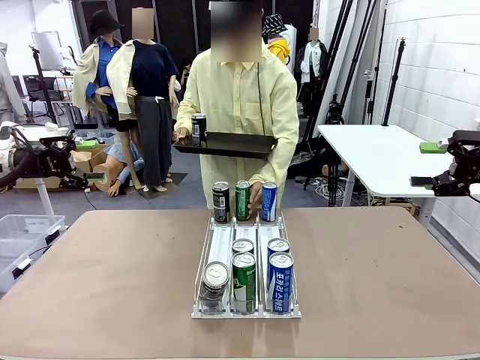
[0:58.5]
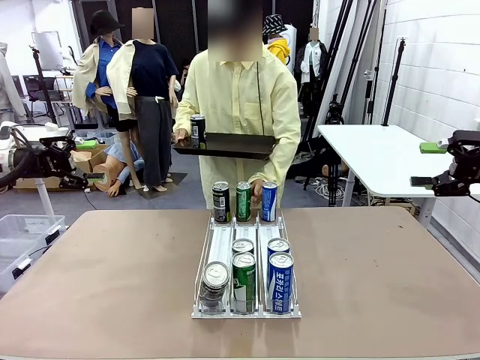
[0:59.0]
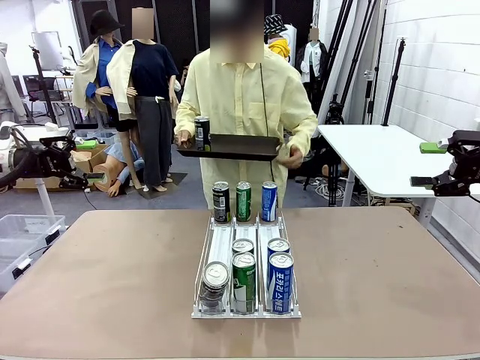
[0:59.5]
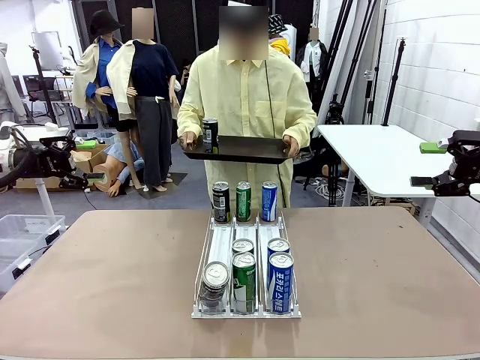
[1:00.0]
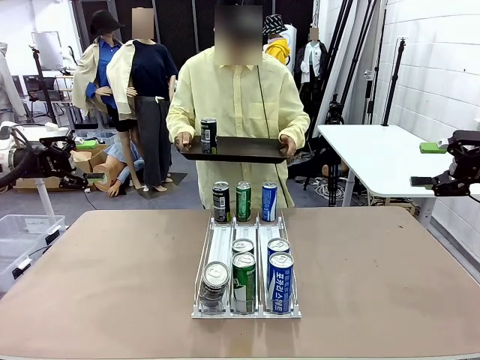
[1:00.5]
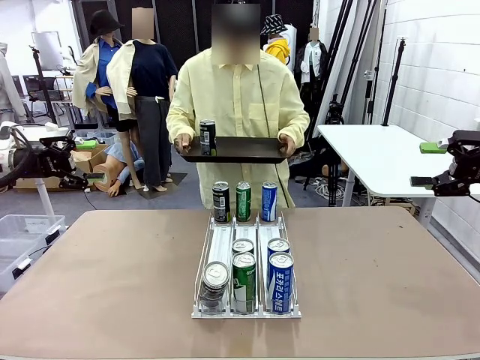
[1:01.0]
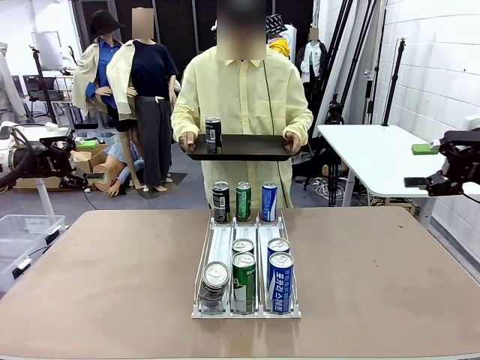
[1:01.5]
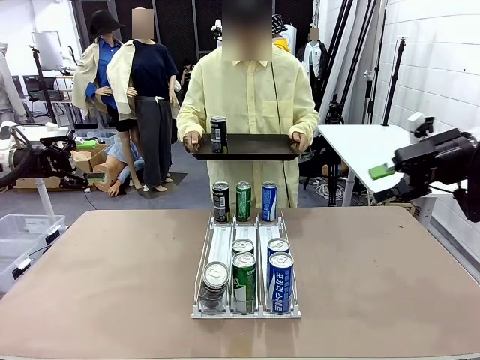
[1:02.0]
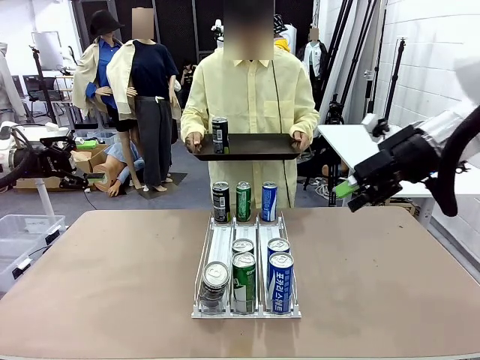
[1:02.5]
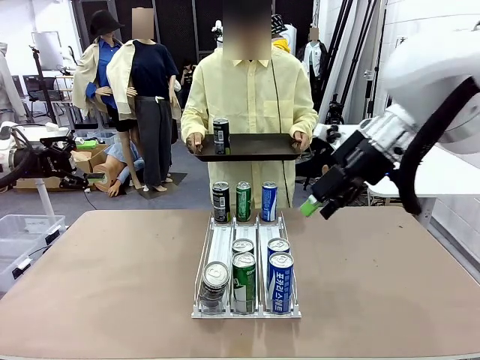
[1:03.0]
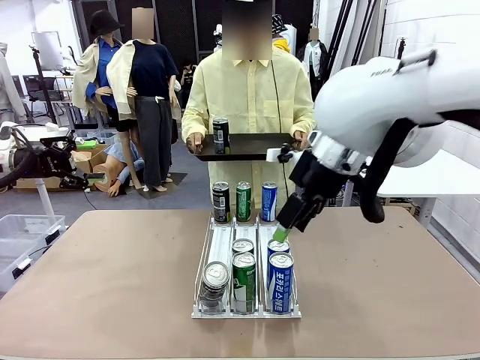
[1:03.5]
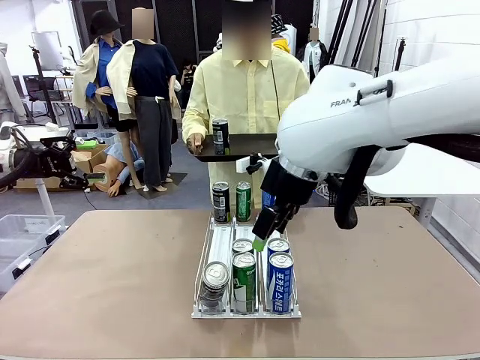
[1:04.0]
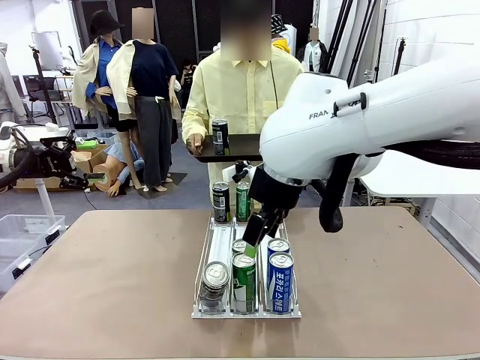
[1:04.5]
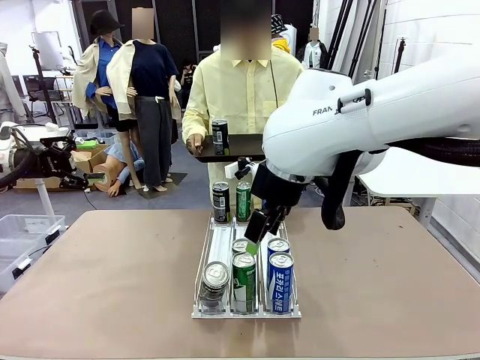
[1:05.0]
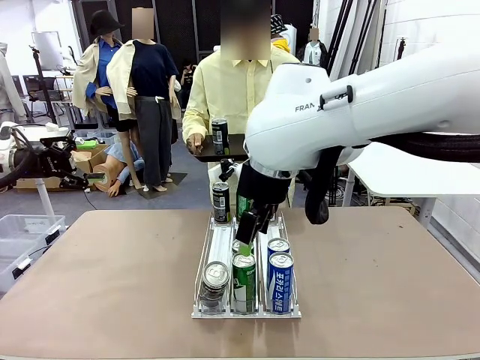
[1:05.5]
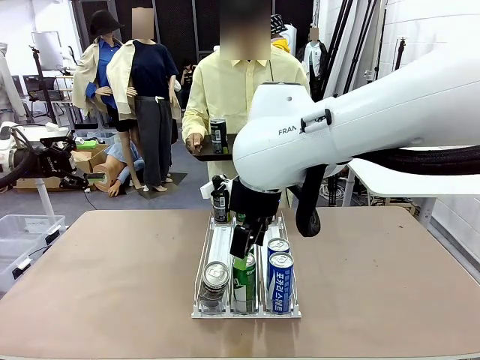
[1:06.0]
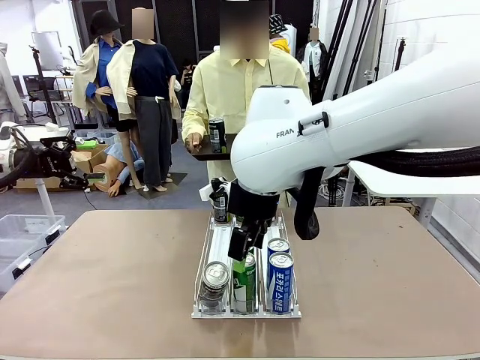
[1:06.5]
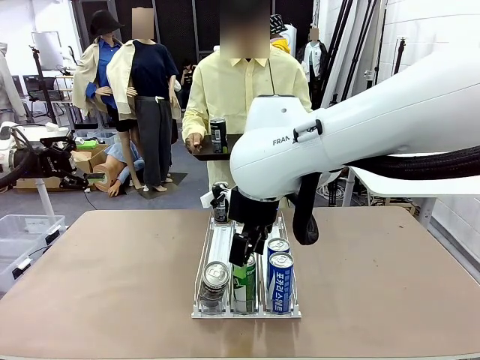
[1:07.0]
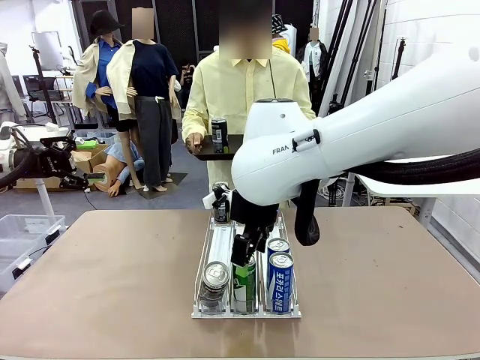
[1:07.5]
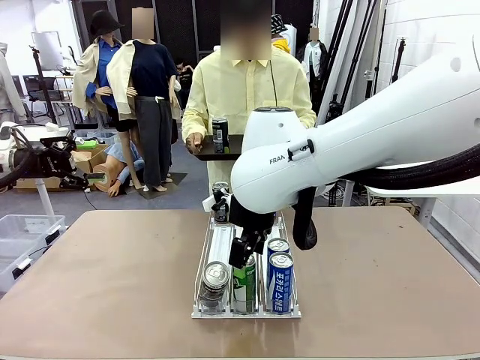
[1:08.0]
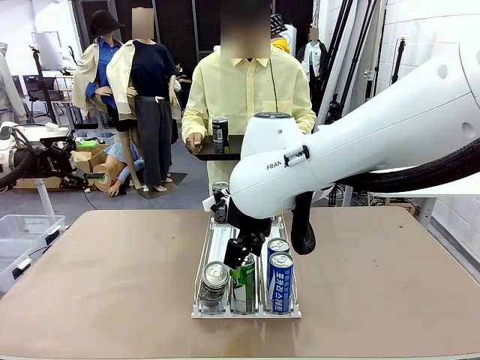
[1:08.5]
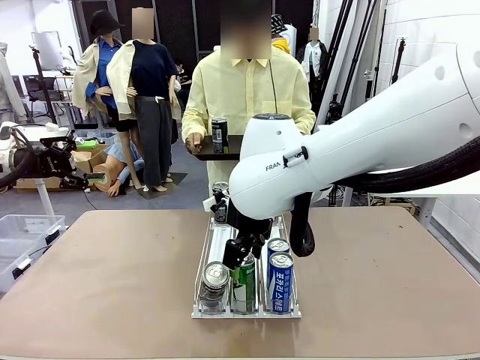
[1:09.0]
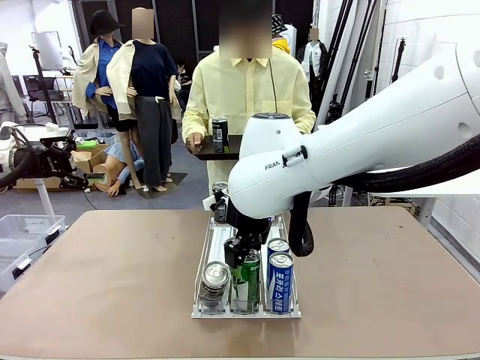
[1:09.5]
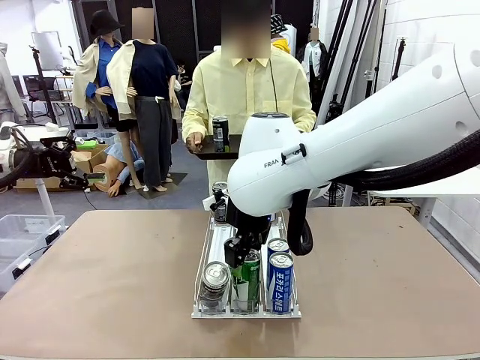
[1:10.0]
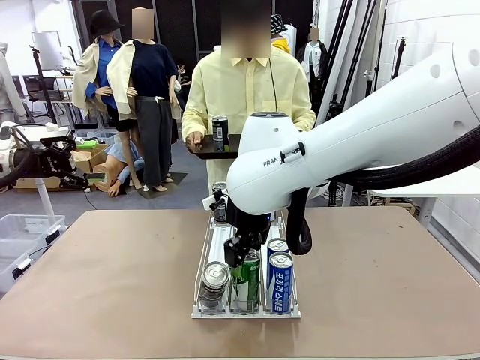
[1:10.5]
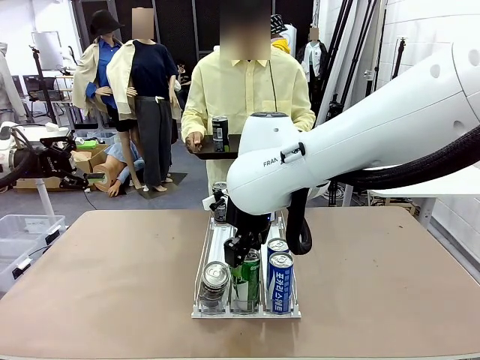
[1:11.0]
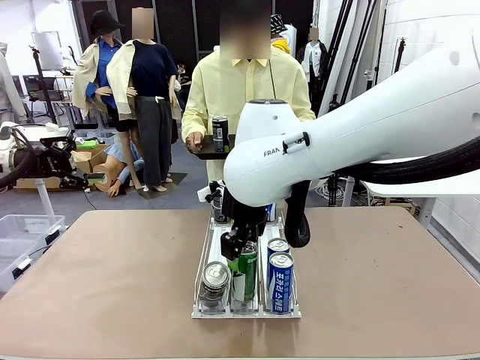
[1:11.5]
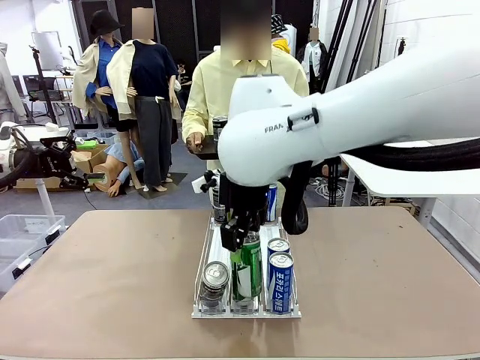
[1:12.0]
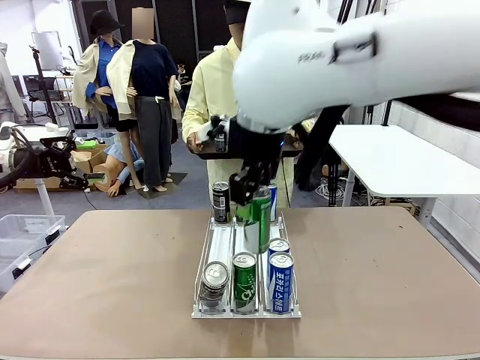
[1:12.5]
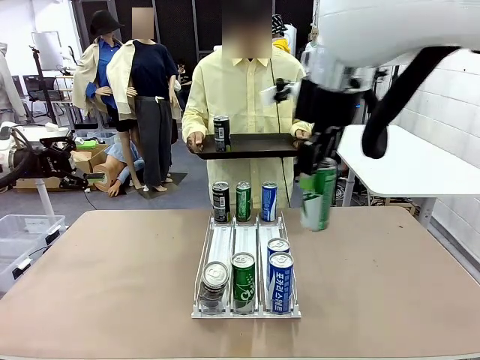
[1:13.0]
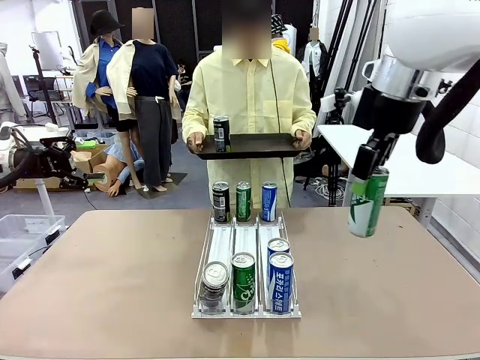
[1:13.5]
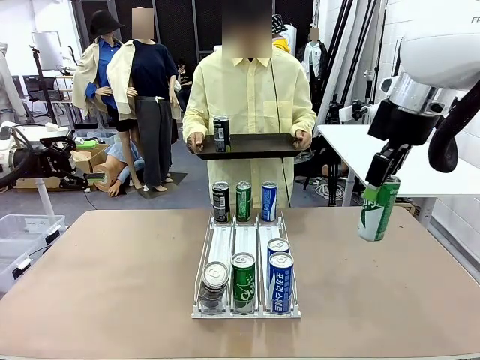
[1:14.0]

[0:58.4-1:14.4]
Task: Retrieve and hand over the desired beverage to the person.
Robot: Pick up another can of the same type that the person held from the Automatic Can Dispenser.
Person: Push the tray toward the robot again.

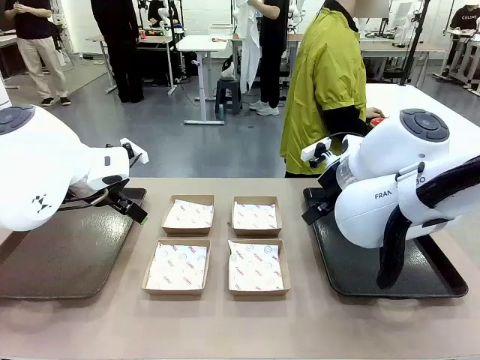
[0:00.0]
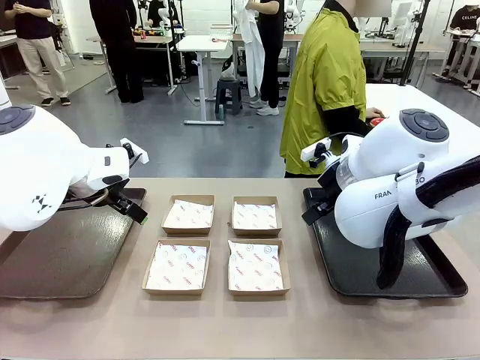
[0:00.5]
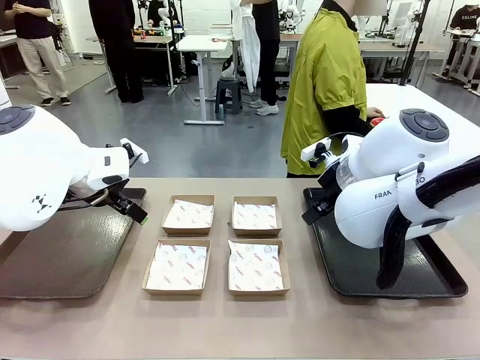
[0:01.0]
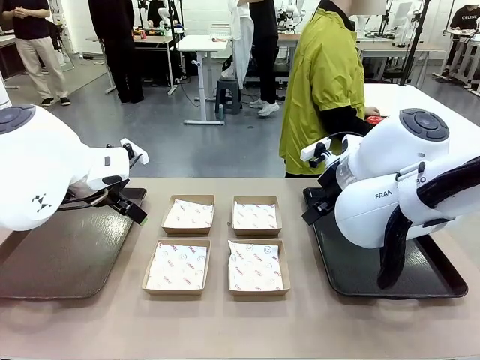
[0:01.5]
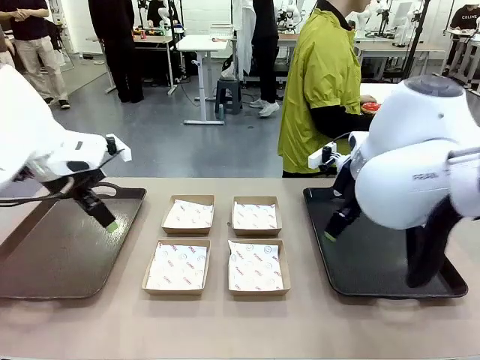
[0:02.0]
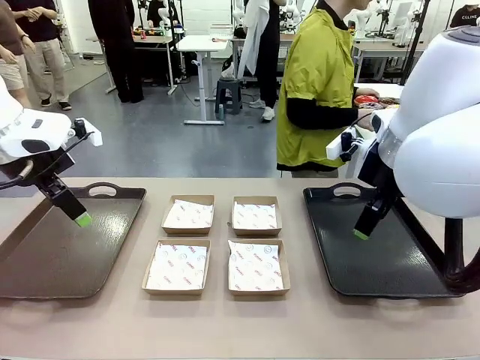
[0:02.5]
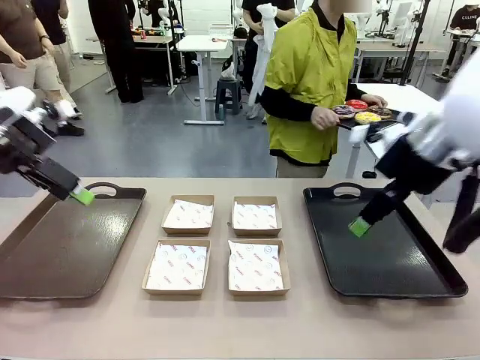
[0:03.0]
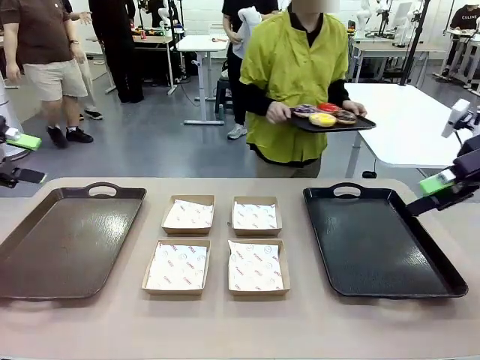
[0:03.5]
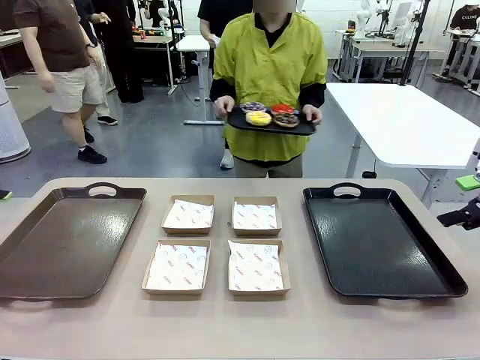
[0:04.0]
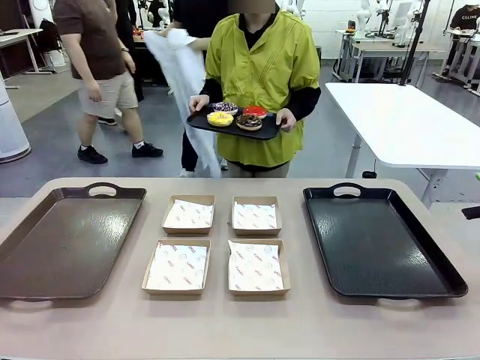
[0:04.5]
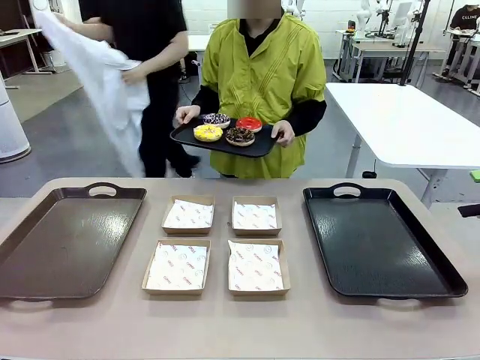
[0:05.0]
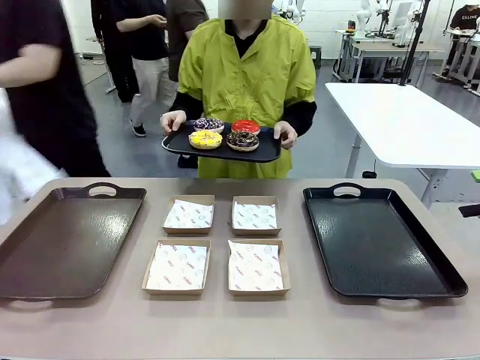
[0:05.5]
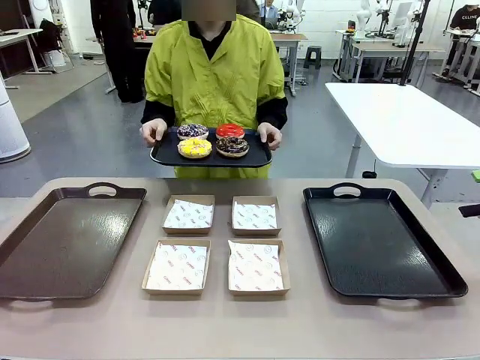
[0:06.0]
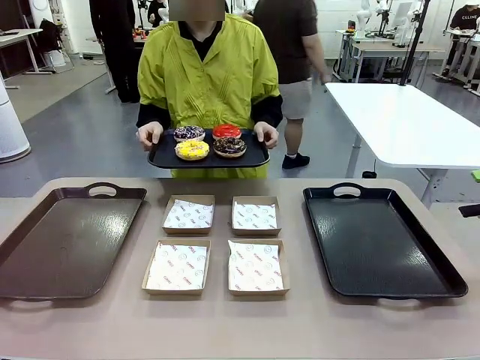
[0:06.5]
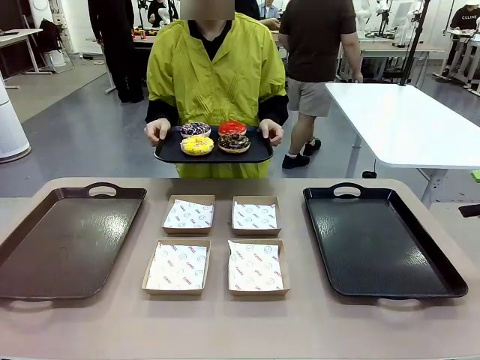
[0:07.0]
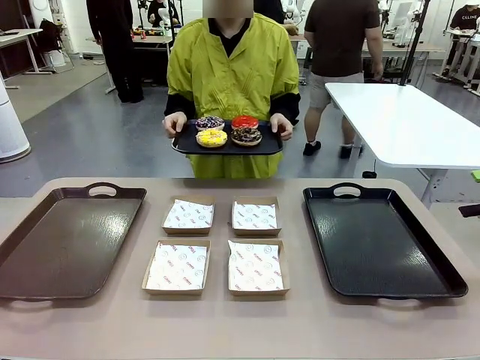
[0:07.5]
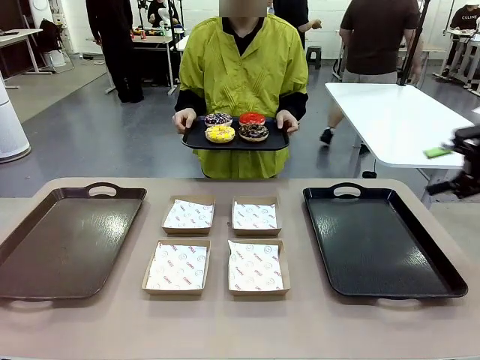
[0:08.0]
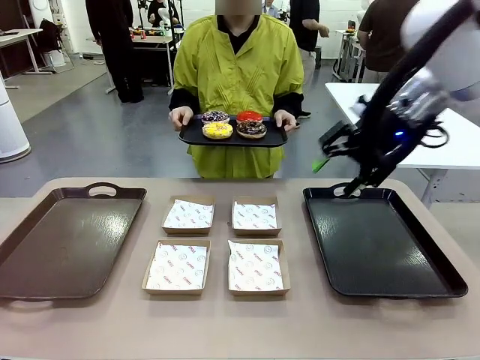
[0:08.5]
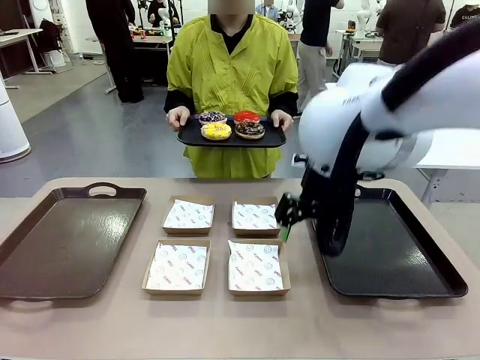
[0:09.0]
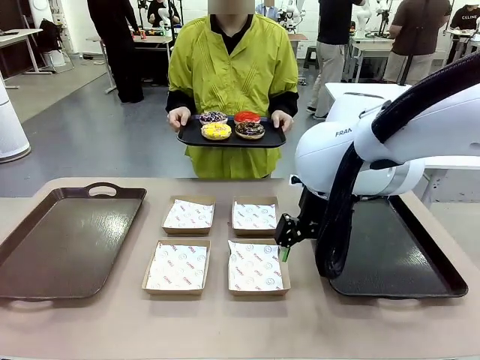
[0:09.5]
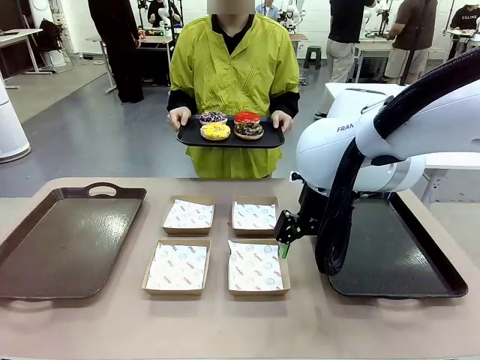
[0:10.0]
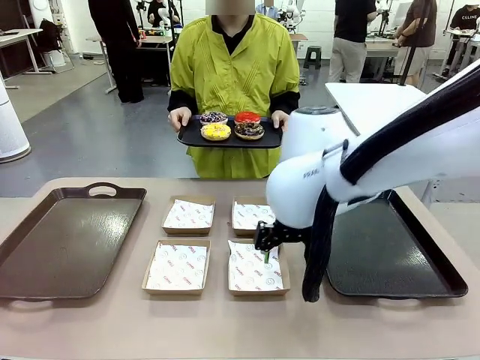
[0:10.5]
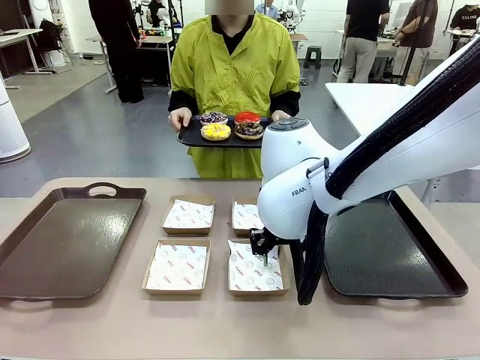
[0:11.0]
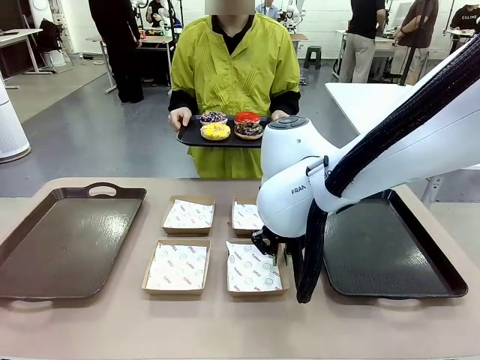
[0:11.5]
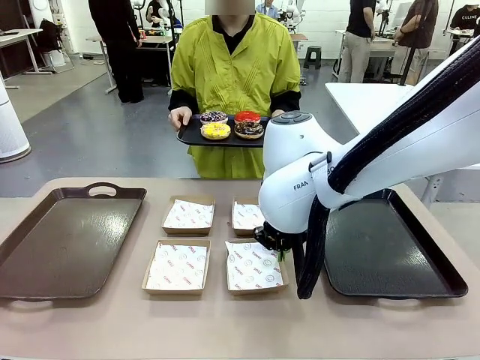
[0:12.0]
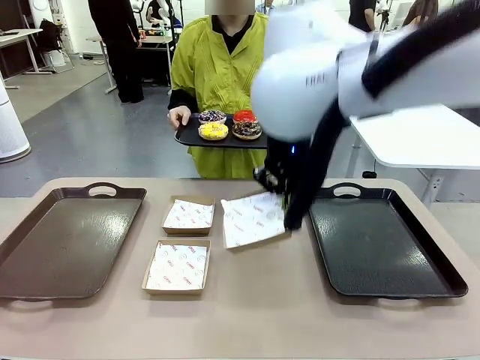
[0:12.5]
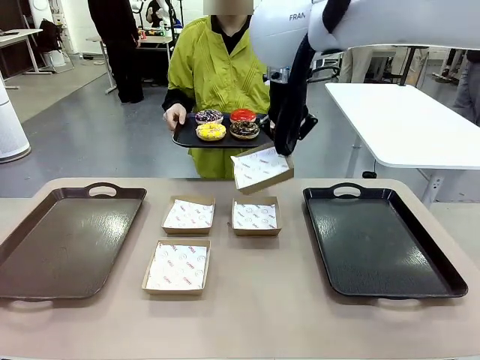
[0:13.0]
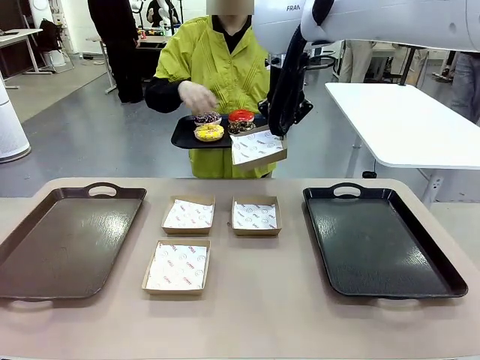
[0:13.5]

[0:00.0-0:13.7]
Task: Individually package the donuts and arrange them on the tray.
Robot: Pick up one Paper togo box.
Person: Stand in front of the robot table holding the tray containing the donuts.
